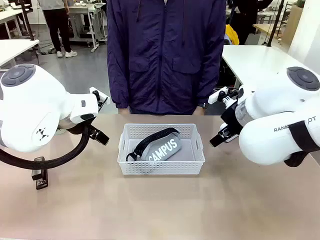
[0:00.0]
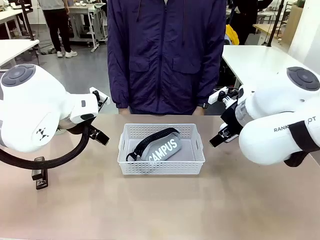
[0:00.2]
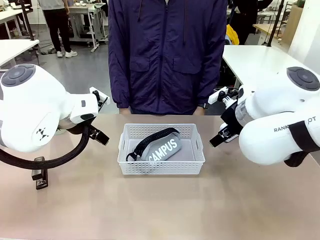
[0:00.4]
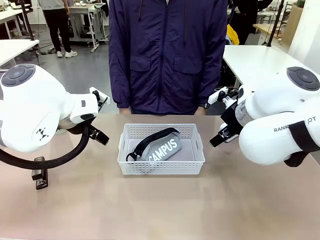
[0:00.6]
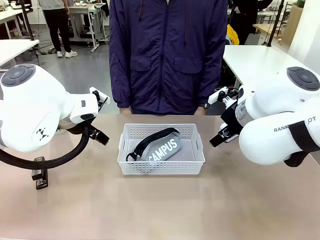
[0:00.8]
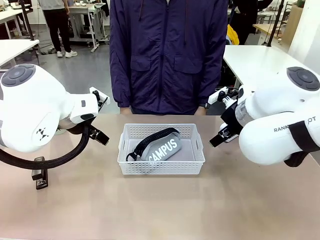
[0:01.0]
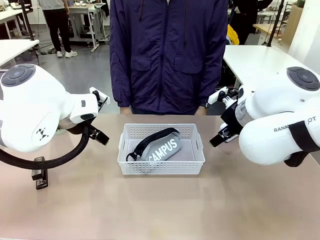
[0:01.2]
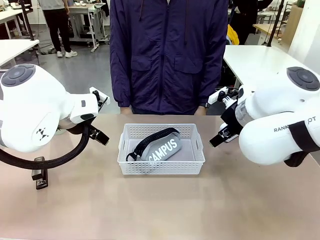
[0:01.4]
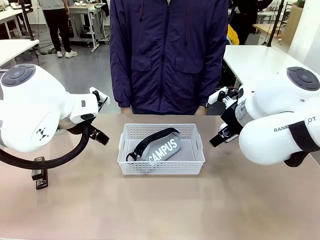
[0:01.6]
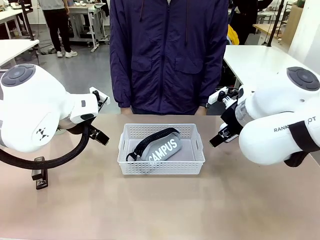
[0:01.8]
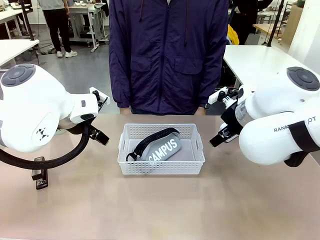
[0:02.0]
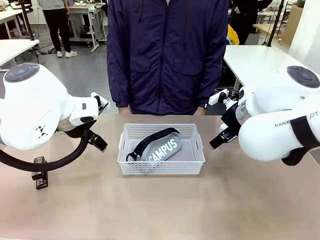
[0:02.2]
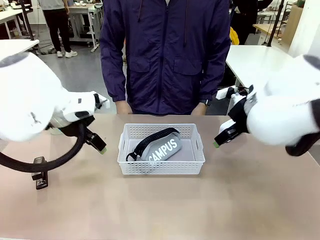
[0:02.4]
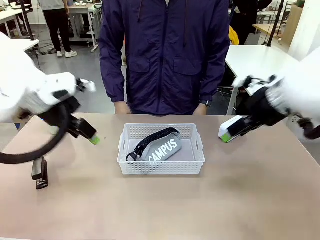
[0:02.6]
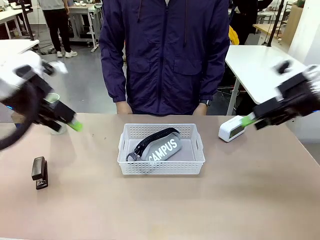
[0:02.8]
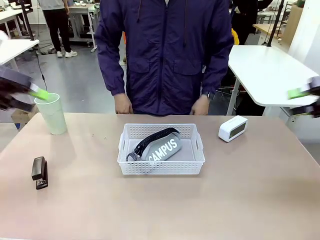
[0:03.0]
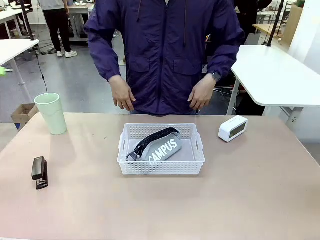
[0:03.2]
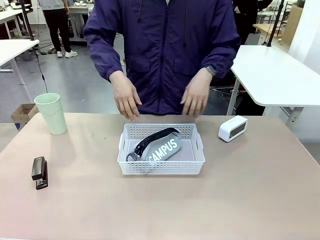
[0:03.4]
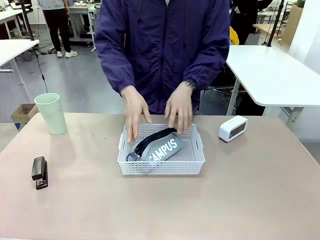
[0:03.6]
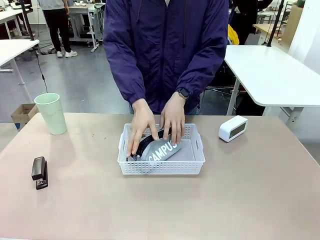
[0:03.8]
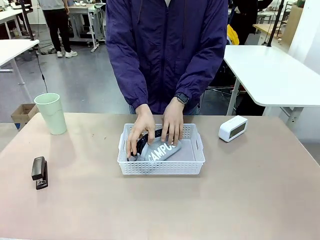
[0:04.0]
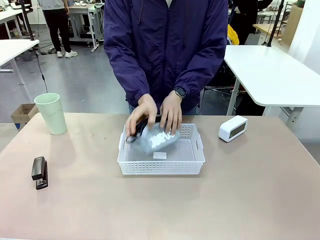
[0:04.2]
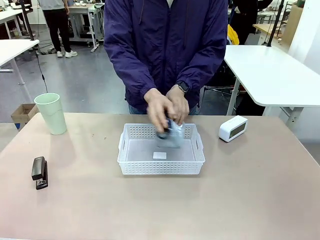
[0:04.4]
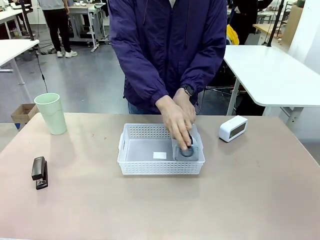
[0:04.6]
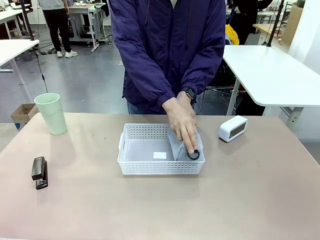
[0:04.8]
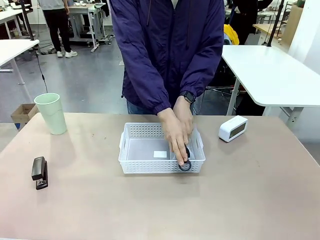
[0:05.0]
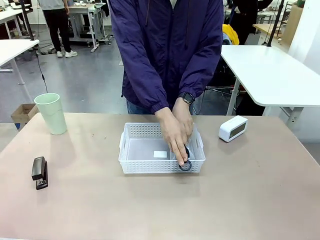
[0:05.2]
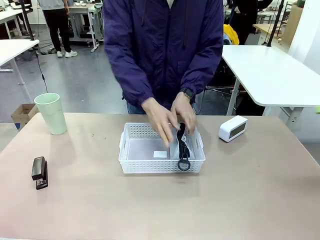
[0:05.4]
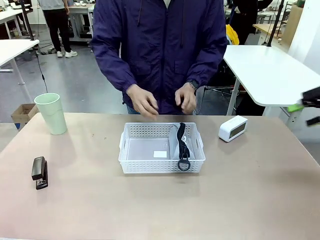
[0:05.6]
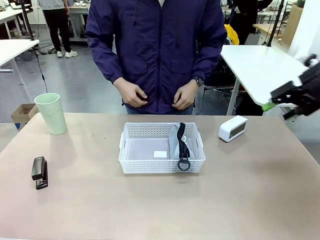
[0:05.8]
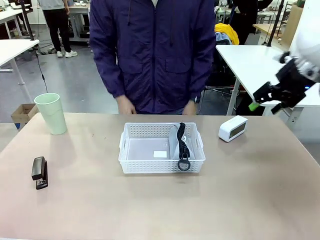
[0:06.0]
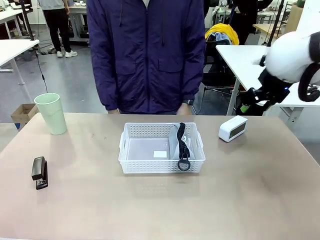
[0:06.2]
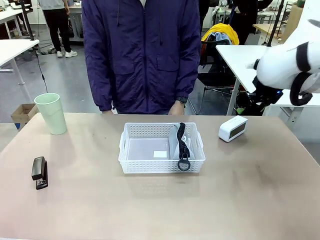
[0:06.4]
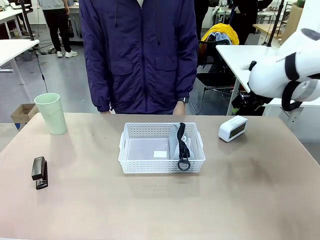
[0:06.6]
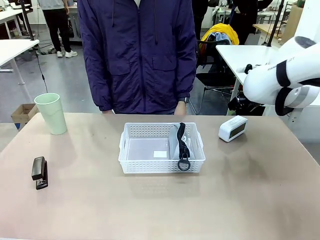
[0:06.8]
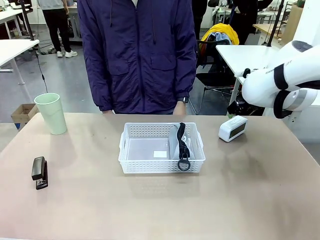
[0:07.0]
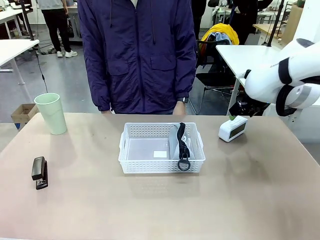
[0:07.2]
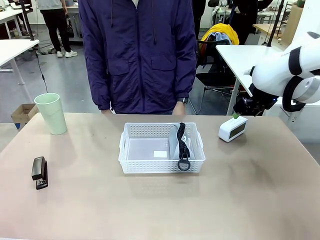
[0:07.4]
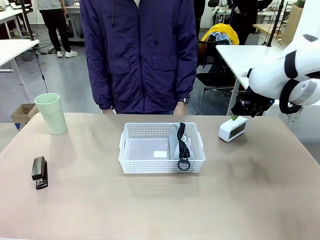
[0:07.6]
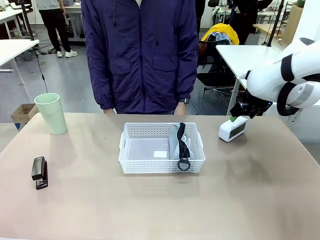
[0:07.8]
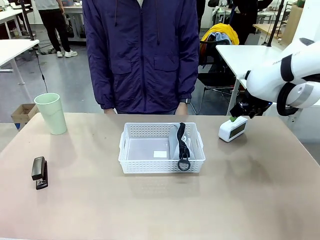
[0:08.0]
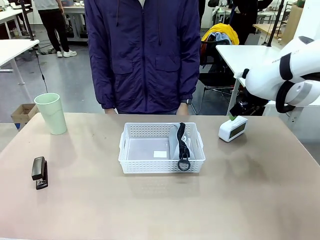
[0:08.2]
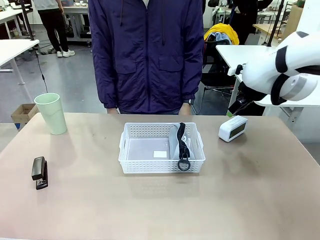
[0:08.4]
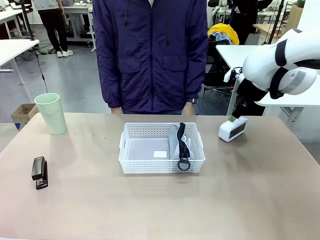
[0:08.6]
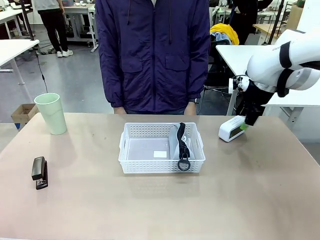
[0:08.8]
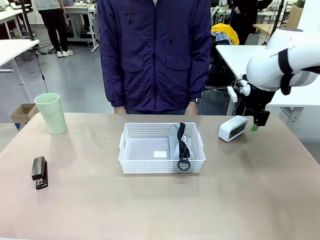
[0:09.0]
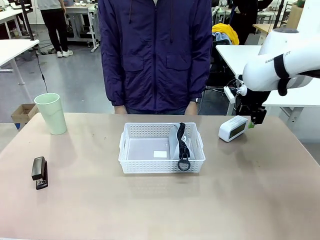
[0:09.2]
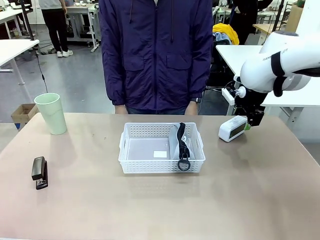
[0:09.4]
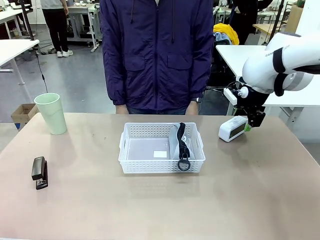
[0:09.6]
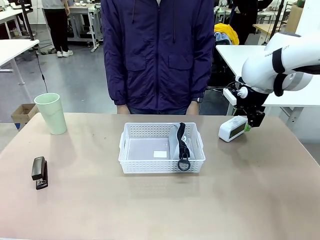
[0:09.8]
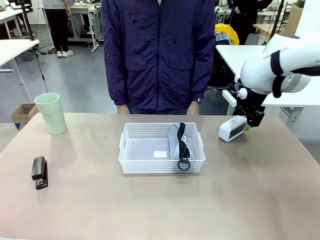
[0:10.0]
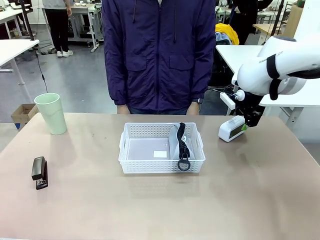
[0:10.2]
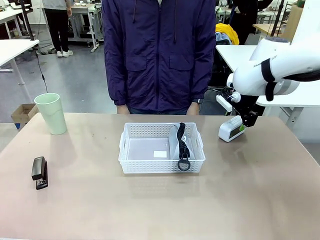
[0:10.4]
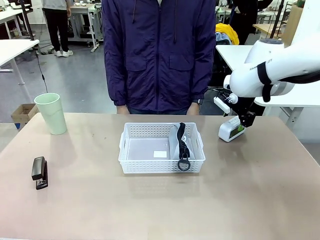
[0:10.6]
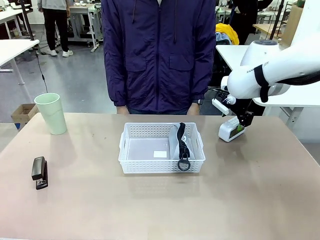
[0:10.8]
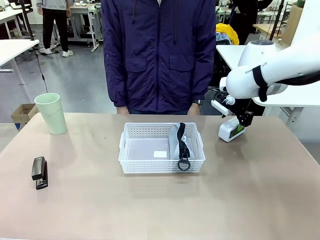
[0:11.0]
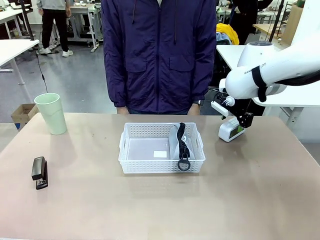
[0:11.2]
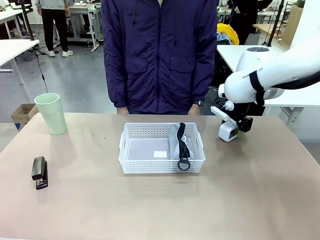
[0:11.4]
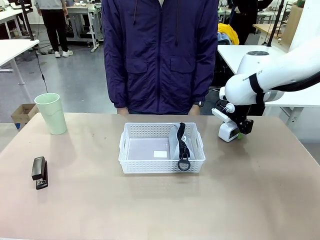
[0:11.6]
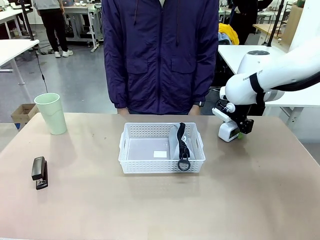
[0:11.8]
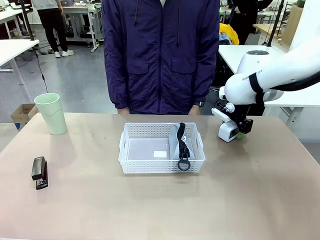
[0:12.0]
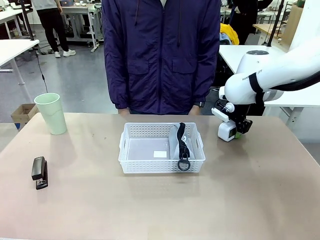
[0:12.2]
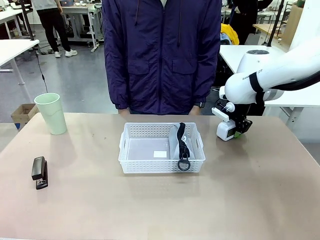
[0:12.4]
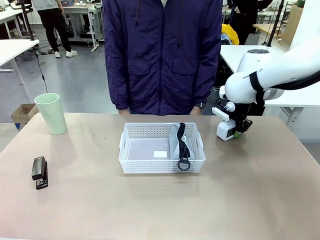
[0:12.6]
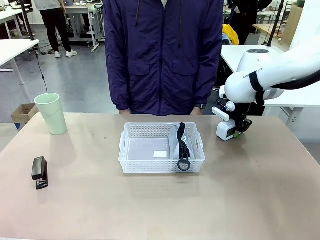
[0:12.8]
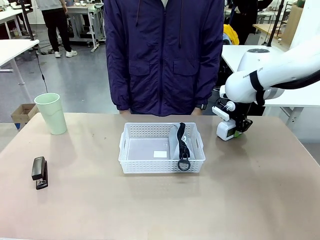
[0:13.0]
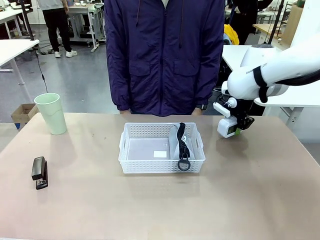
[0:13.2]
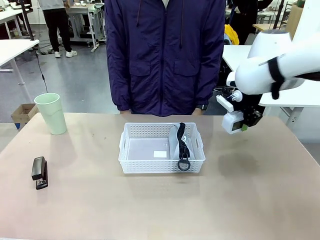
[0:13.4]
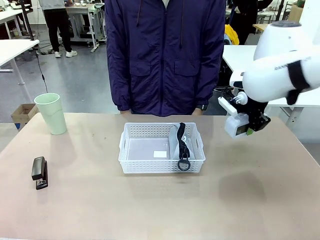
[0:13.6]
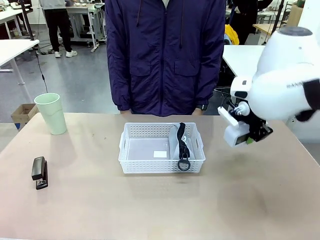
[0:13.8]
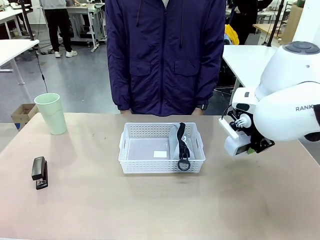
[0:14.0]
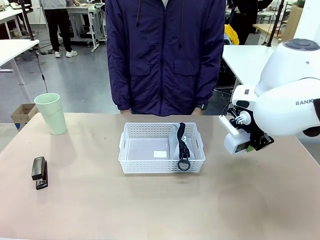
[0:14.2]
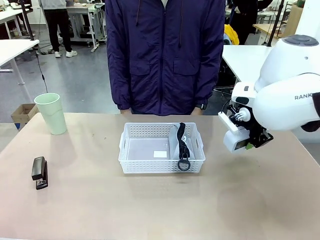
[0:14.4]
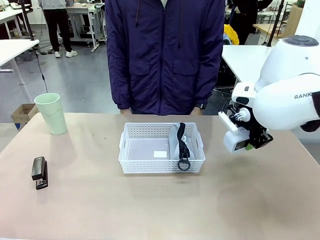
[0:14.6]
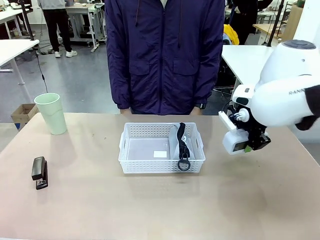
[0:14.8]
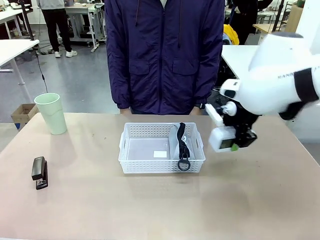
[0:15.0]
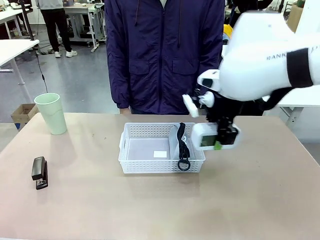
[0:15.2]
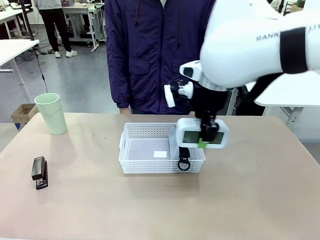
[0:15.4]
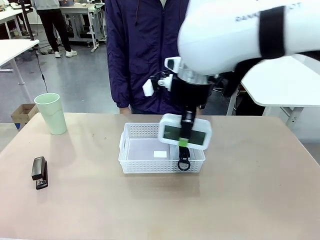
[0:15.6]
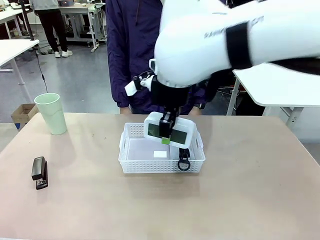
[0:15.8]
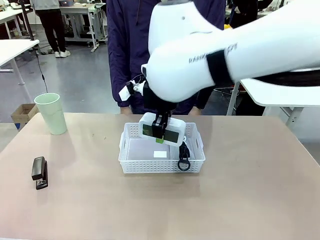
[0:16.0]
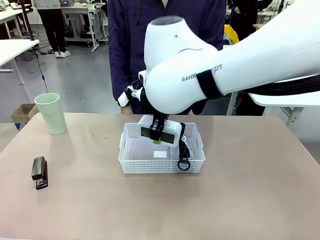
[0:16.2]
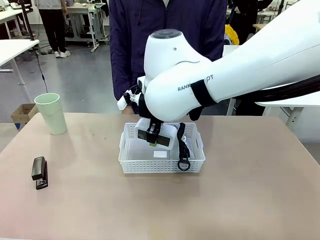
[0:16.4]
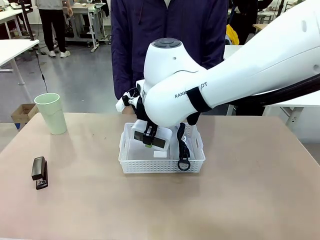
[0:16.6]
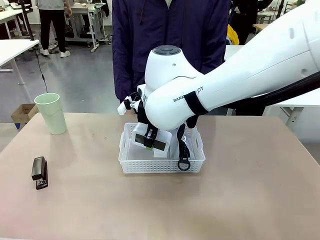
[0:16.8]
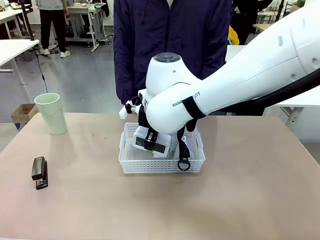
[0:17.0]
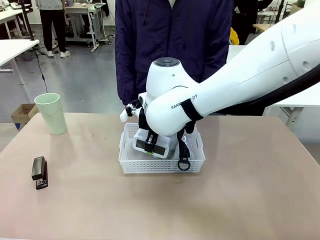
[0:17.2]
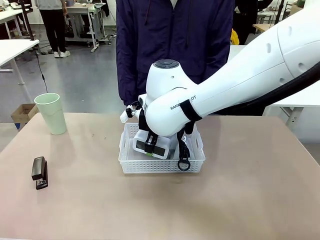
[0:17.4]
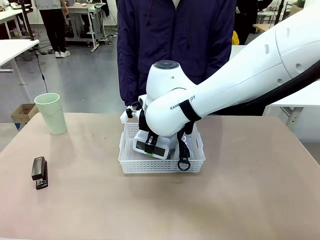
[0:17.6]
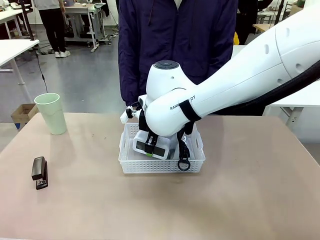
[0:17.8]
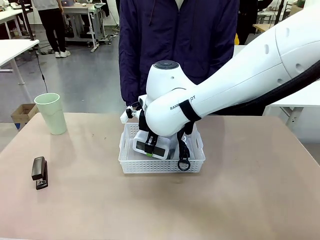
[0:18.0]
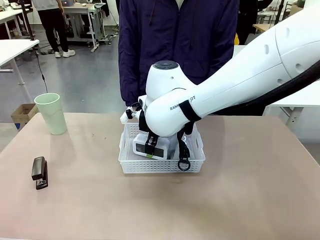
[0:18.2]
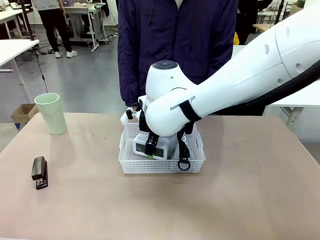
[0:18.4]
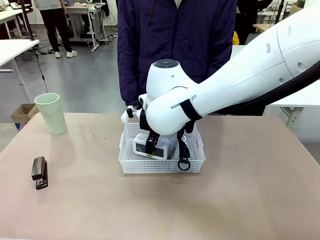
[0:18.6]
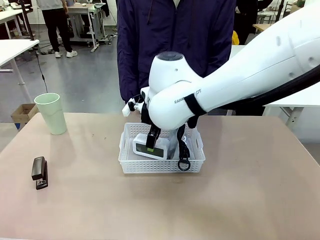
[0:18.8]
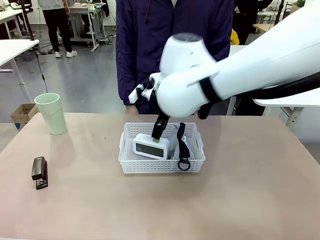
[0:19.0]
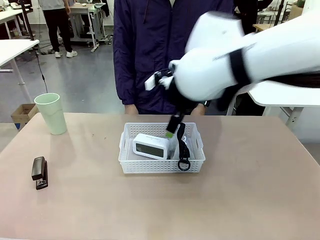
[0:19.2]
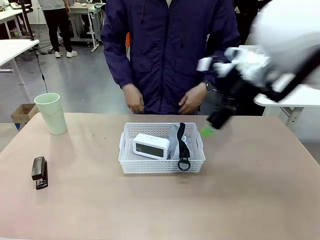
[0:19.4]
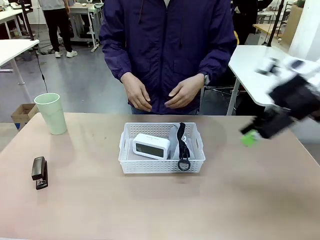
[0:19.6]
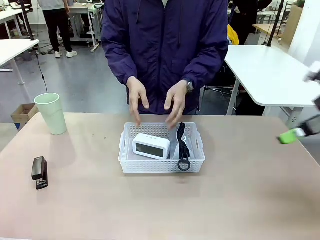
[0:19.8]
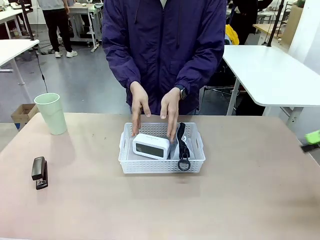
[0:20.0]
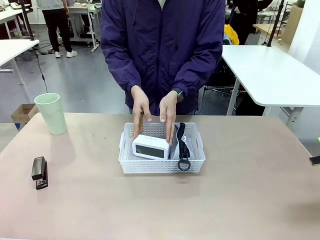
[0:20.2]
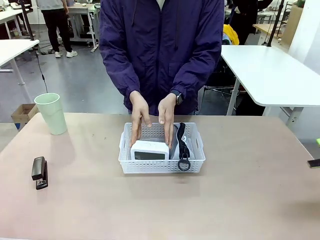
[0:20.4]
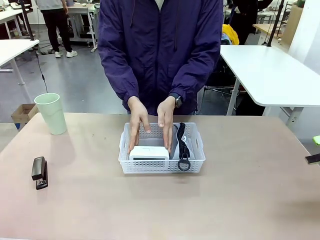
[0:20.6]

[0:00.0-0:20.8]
Task: Efficiently arrange items inside the basket to fit them all.
Robot: Pick up the Digital clock and place it inside the Organizing basket.
Person: Repositions the pencil case. Repositions the digital clock.
